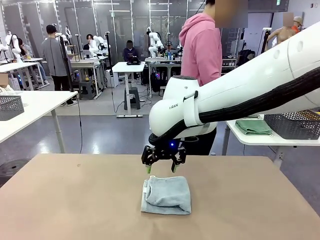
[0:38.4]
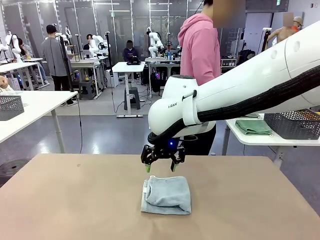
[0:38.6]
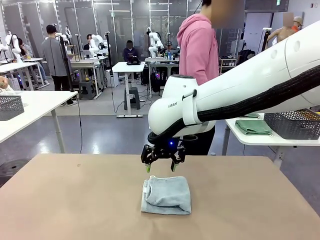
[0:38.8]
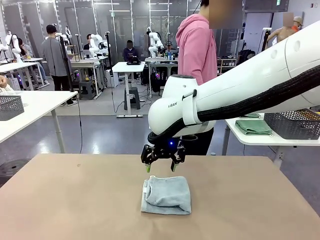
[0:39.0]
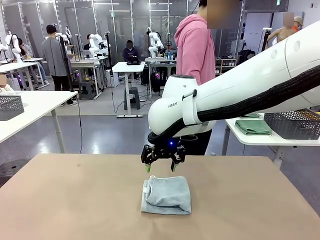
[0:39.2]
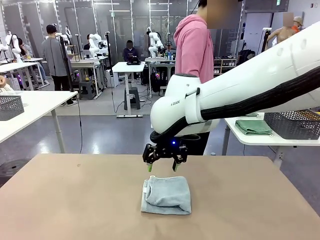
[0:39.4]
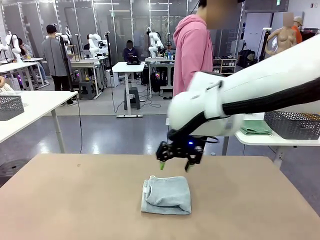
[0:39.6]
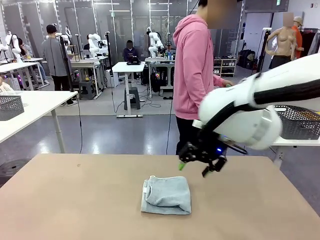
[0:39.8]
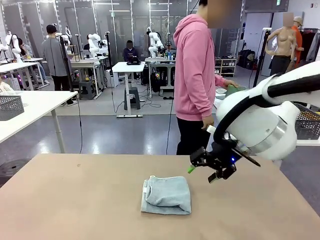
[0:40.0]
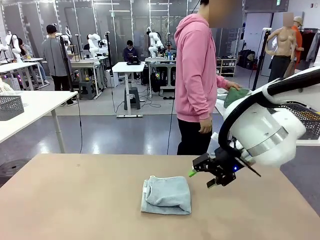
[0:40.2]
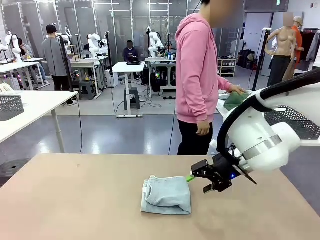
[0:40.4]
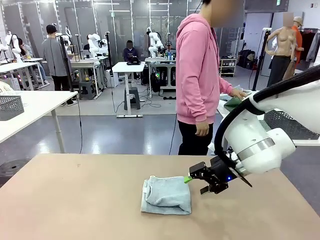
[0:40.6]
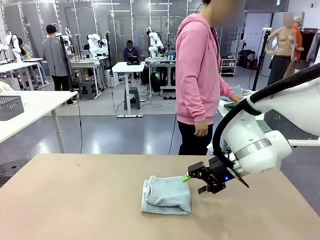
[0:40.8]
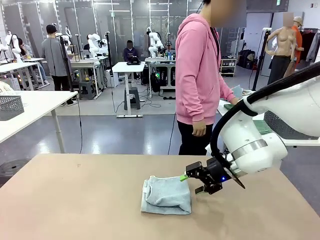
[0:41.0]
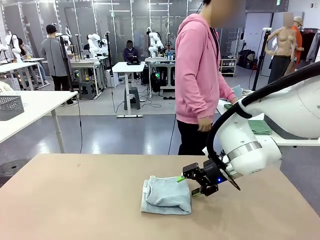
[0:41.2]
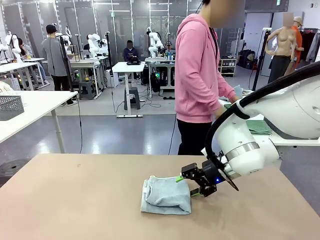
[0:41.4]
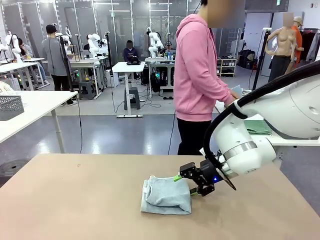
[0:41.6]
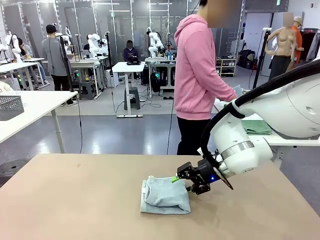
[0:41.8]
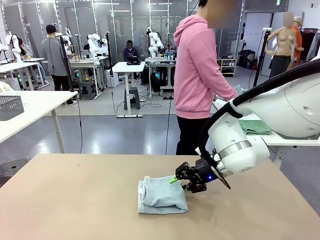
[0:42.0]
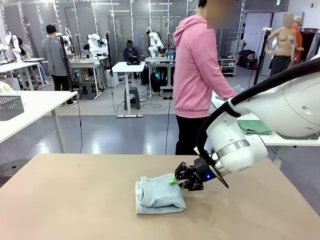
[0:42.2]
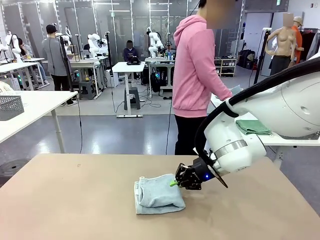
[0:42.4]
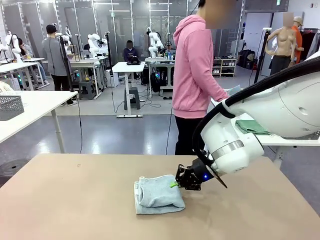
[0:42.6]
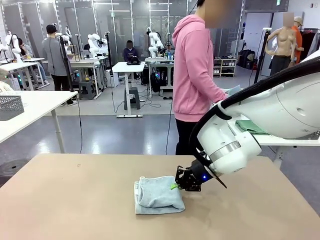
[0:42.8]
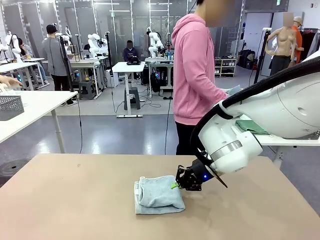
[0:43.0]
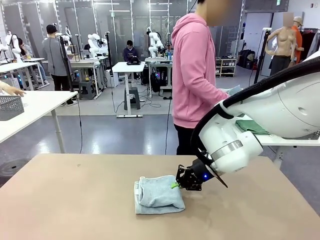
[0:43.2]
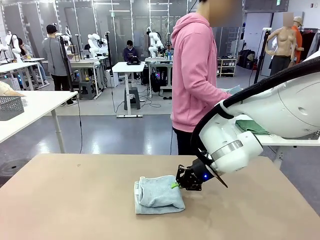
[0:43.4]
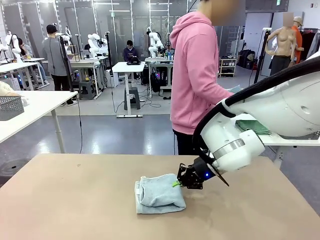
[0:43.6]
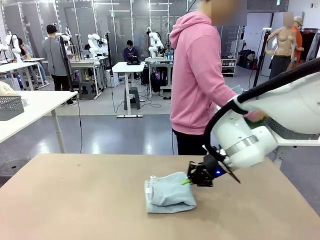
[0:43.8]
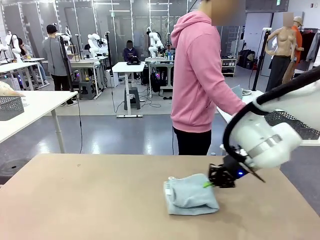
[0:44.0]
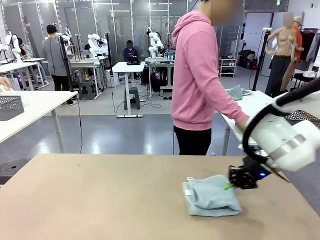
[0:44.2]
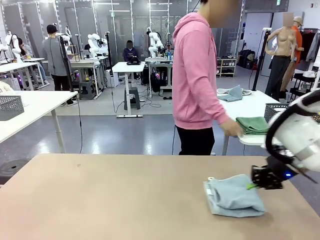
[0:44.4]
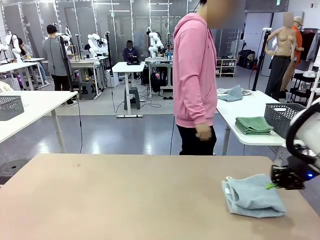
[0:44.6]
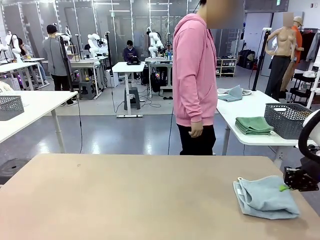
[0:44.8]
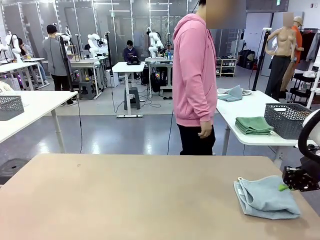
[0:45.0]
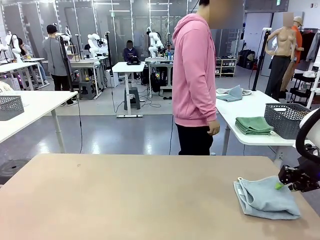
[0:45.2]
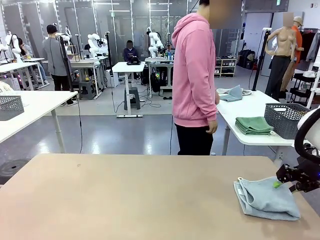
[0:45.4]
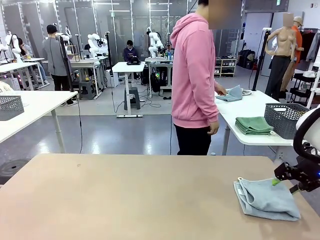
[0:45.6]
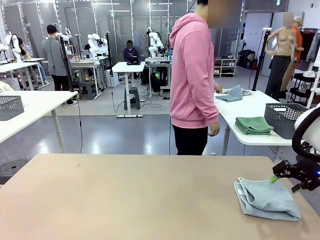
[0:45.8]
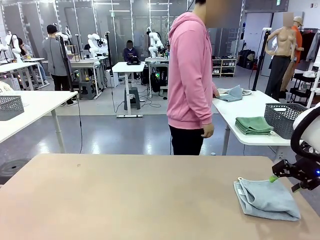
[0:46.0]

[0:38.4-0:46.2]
Task: Fold the towels and place them in the basket.
Robot: Place the folded Towel with hook on the right side of the table.

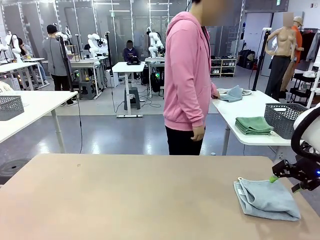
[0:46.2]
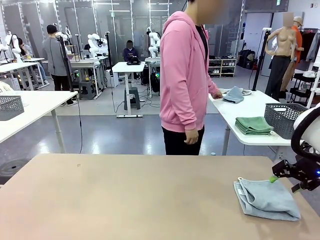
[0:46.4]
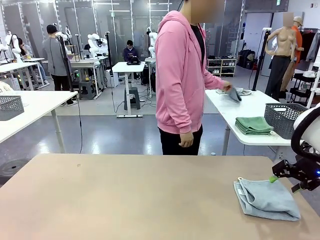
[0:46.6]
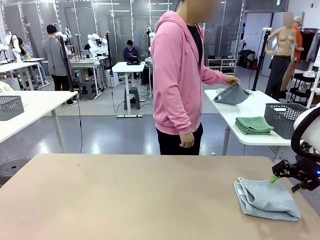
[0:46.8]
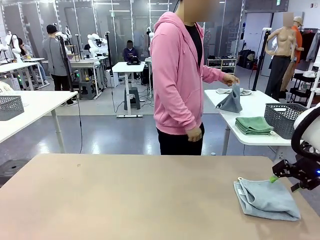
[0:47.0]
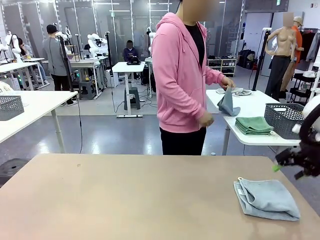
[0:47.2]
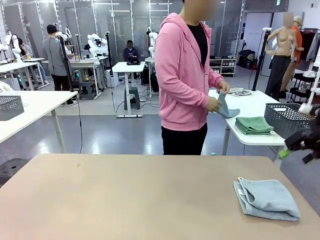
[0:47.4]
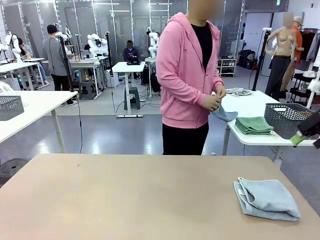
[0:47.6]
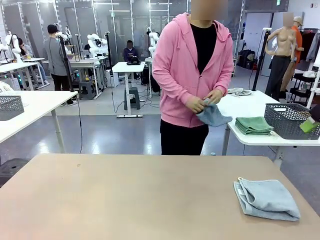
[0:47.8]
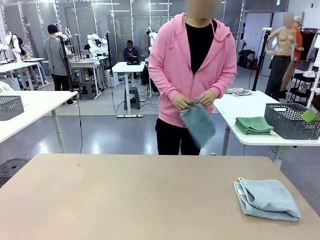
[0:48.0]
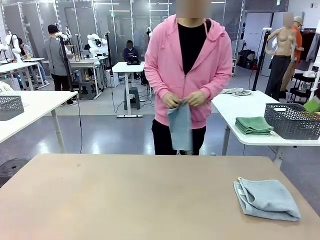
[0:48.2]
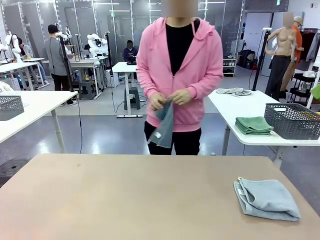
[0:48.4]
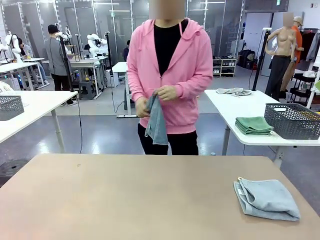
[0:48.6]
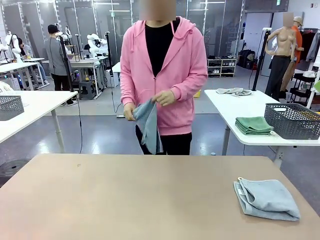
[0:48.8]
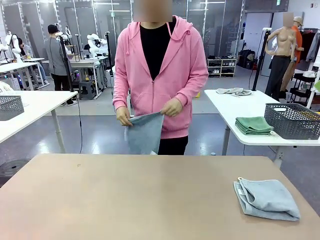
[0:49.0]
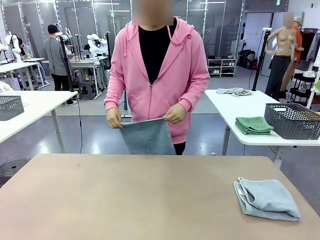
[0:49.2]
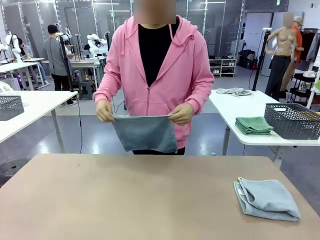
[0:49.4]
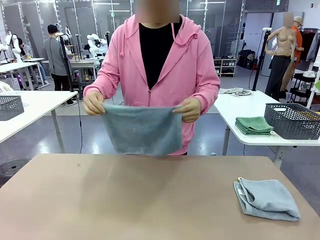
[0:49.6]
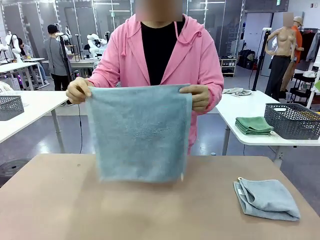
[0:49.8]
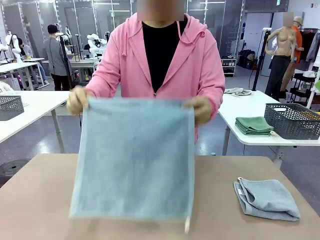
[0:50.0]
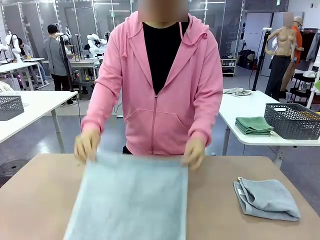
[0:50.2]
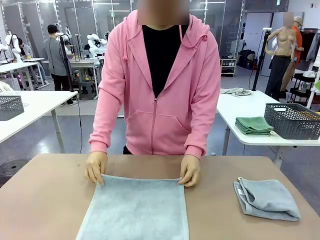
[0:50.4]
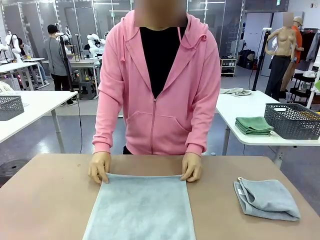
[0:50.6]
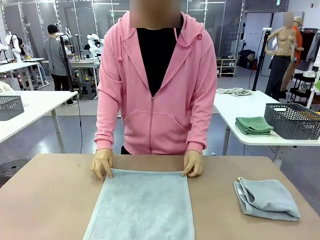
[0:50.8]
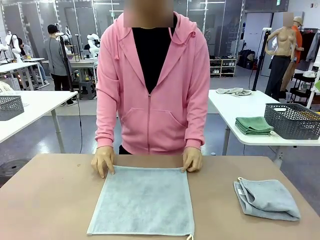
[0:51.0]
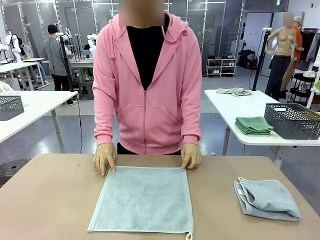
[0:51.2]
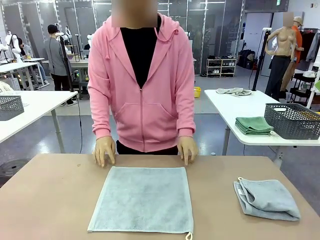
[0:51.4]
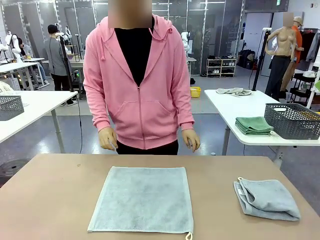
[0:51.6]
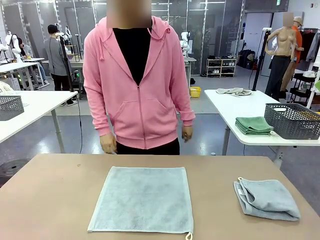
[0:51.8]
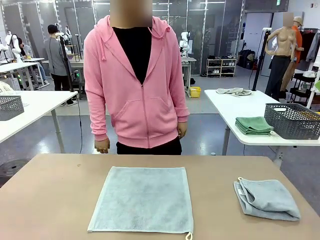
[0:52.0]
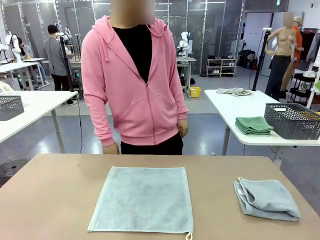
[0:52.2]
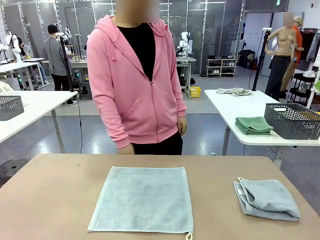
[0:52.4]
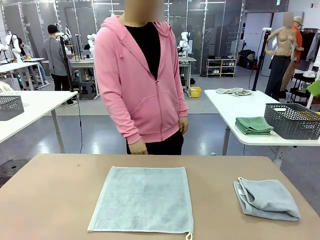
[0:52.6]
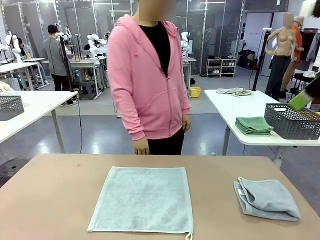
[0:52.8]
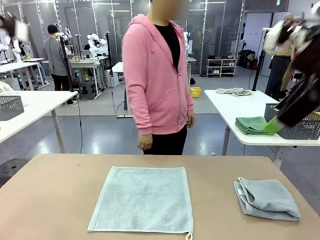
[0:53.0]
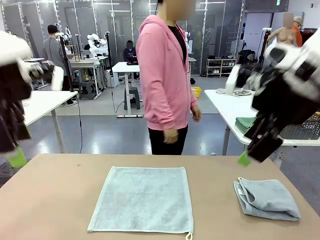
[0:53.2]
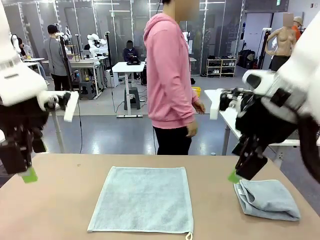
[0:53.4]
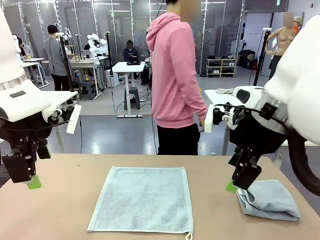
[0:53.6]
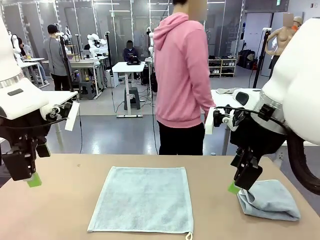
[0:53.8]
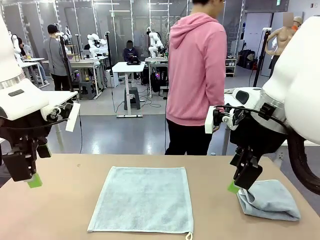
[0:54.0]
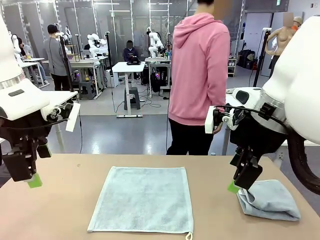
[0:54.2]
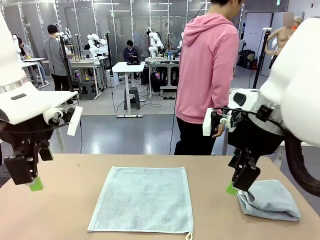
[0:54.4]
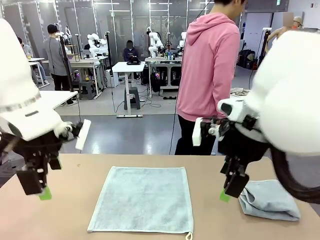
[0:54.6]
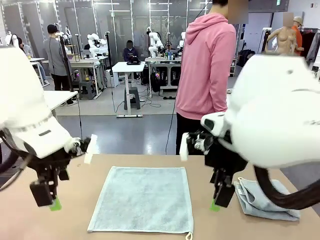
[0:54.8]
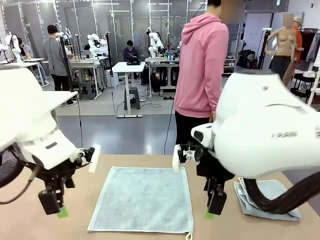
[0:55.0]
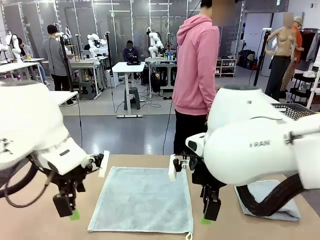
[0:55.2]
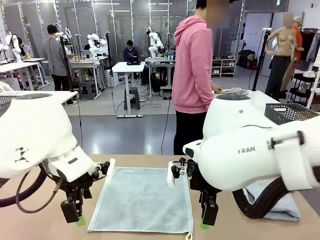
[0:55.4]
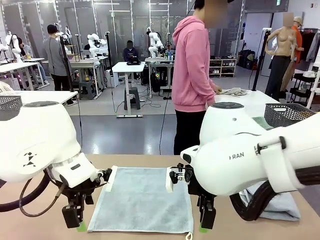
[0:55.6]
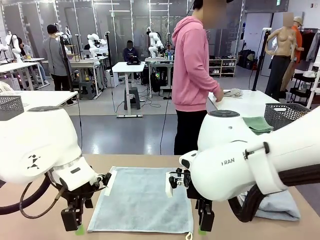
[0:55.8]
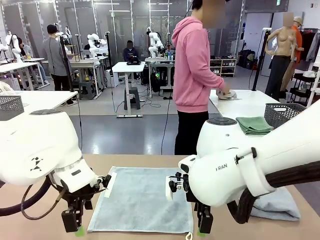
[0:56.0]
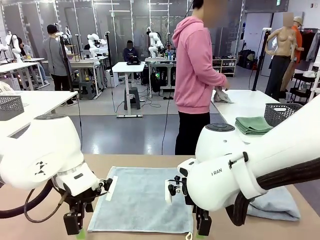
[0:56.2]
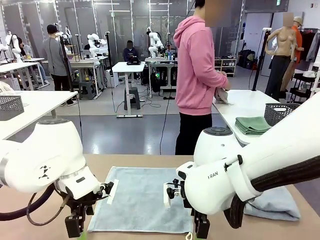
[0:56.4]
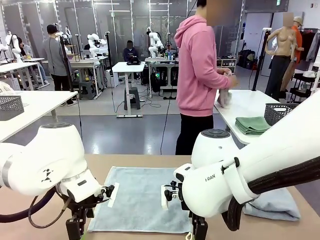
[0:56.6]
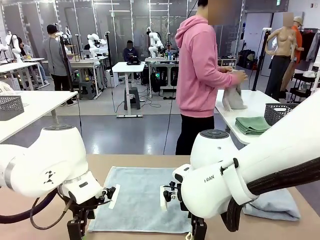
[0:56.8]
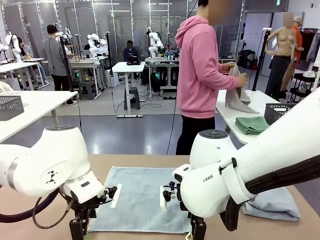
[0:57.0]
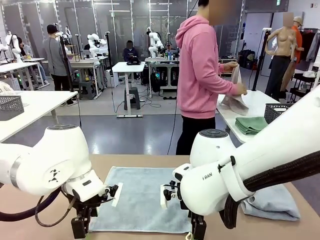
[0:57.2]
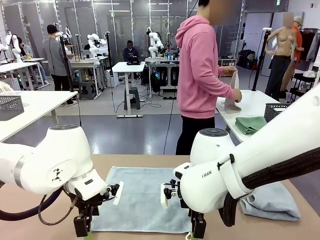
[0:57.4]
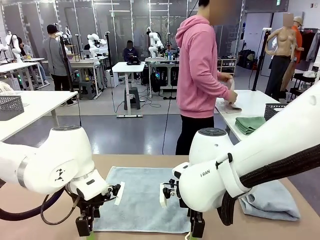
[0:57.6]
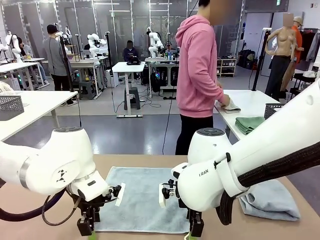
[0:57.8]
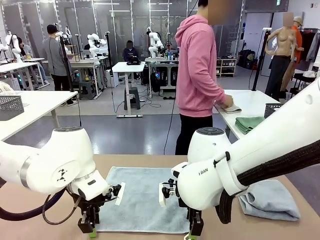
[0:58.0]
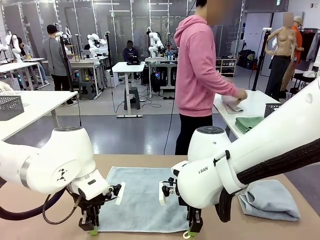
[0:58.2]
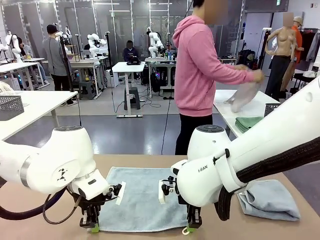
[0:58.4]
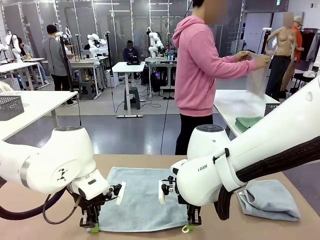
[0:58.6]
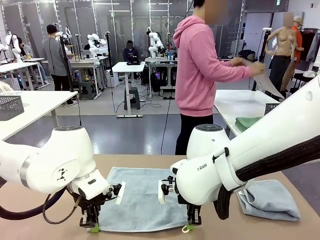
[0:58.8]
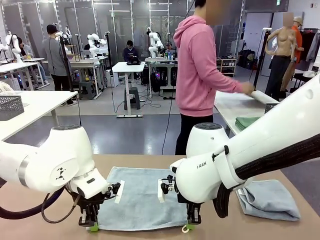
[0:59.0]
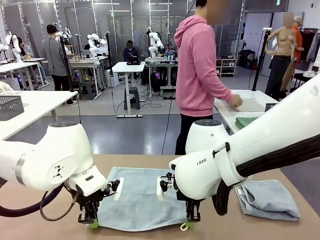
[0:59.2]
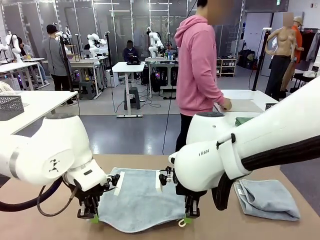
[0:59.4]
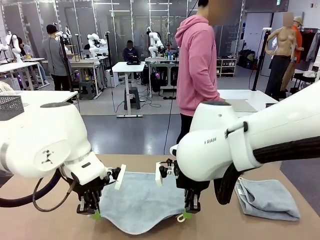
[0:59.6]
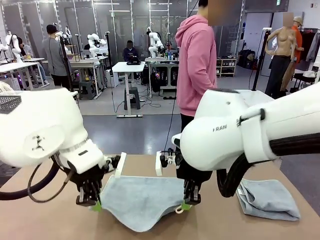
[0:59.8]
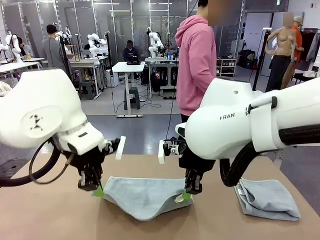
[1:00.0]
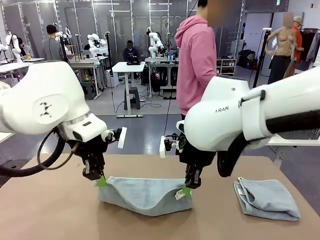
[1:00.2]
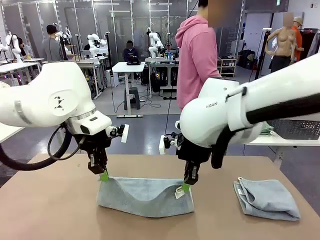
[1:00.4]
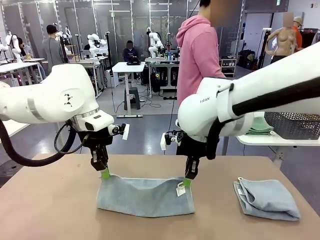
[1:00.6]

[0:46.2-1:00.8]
Robot: When a person lays out a Towel with hook on the table, fold it in half twice.
Person: Pick up one towel from the left side of the human table and spread it out at the center of the robot table. Pick up one towel from the left side of the human table, fold it in half twice, and stack it on the right side of the table.
